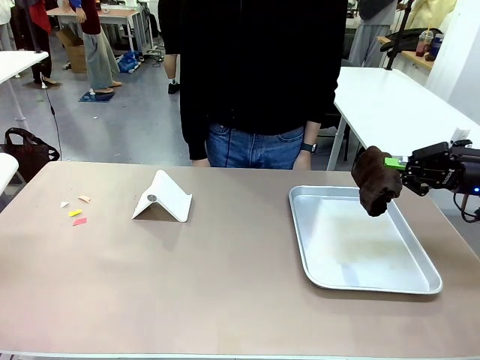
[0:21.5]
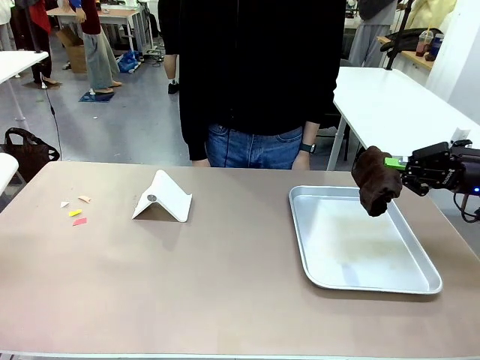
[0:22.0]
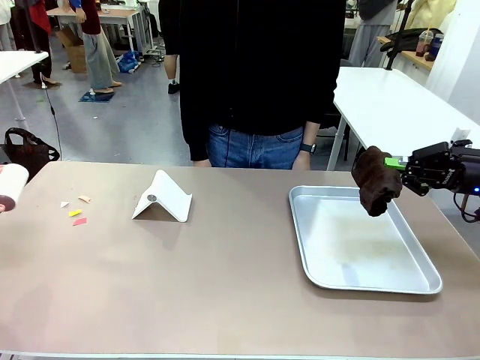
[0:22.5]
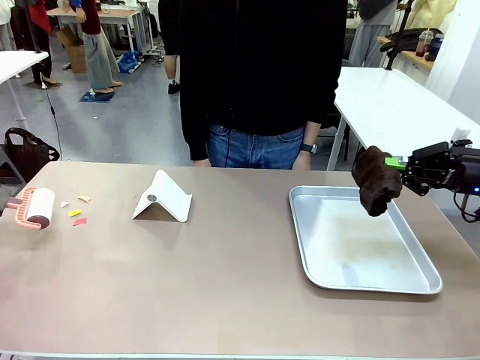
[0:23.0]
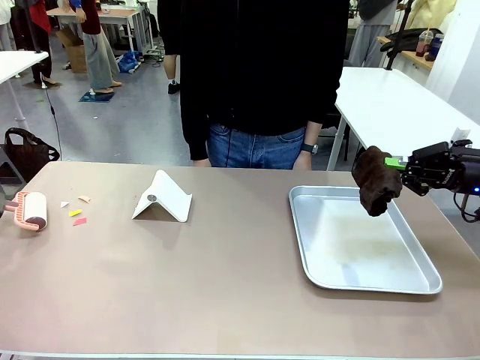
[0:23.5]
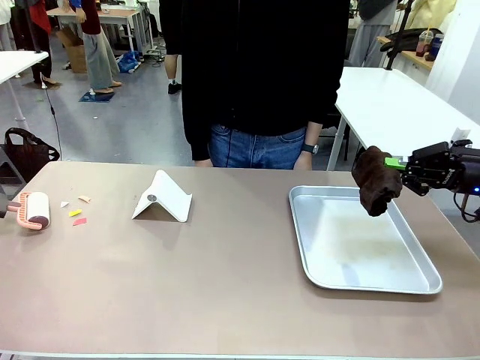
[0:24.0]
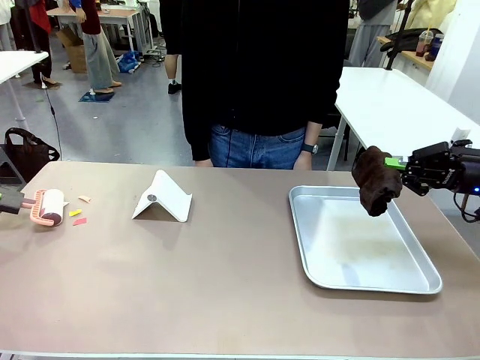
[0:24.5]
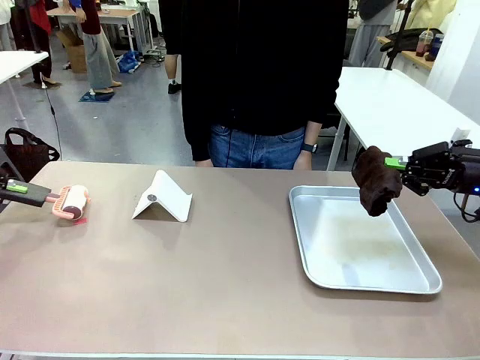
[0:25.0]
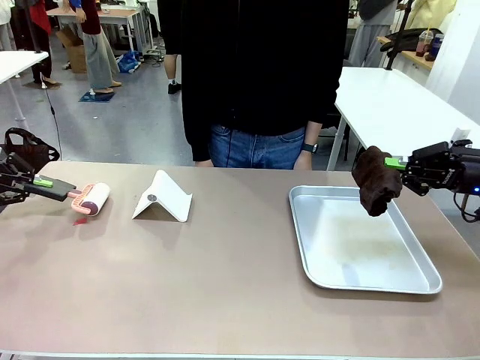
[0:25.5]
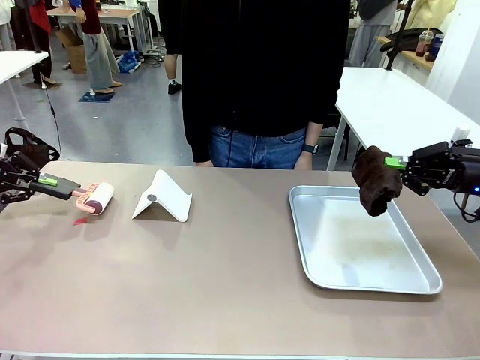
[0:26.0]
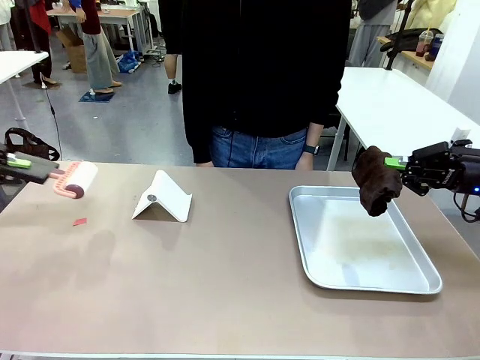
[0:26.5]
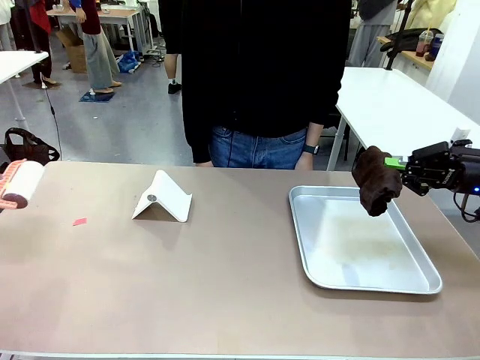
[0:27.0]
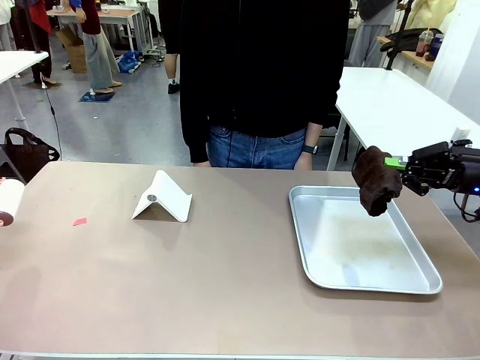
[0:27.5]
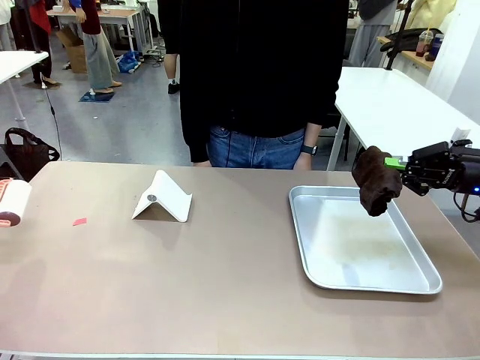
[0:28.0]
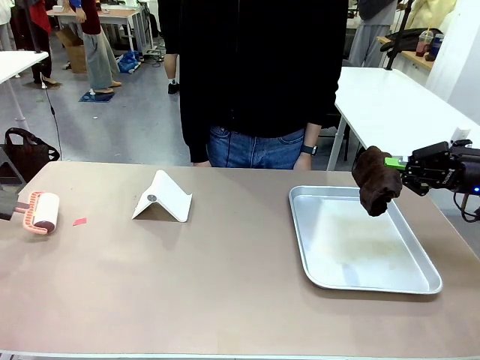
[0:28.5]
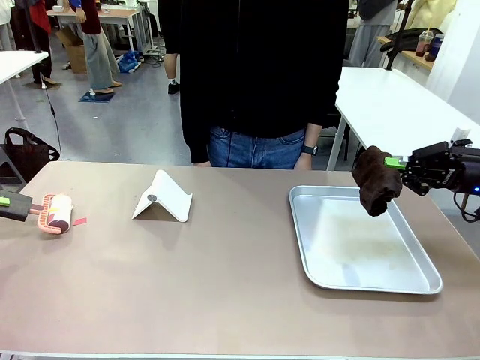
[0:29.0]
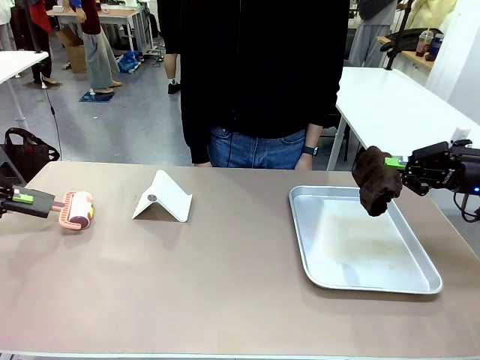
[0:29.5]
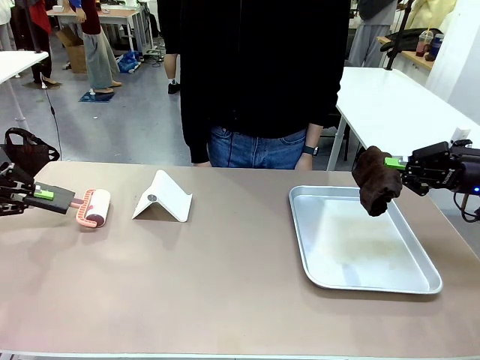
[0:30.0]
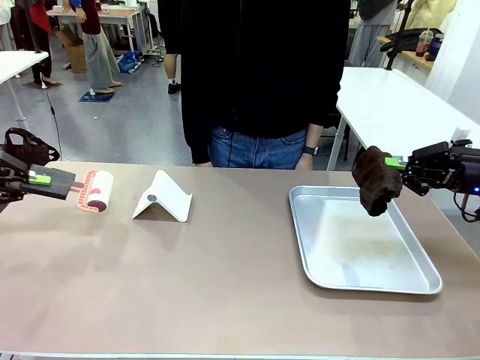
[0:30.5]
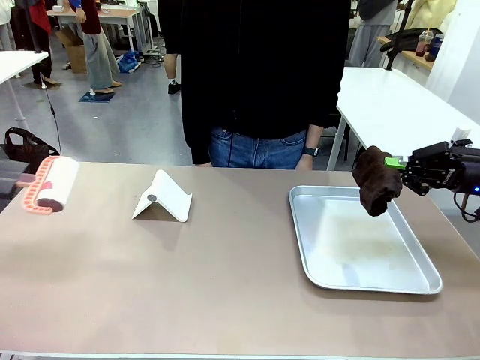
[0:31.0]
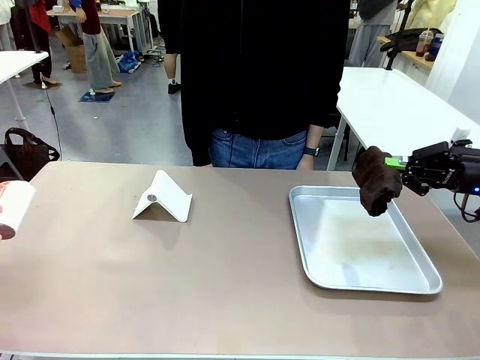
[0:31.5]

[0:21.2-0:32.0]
Task: Clean the surface of the table.
Robot: Clean the area not pointed to by the person.

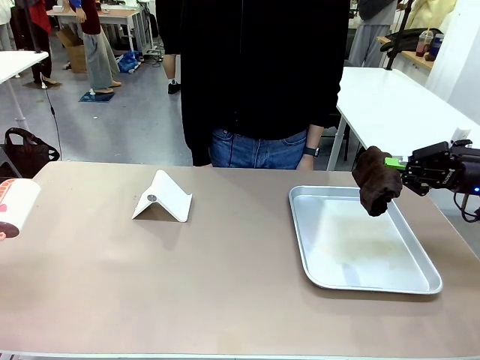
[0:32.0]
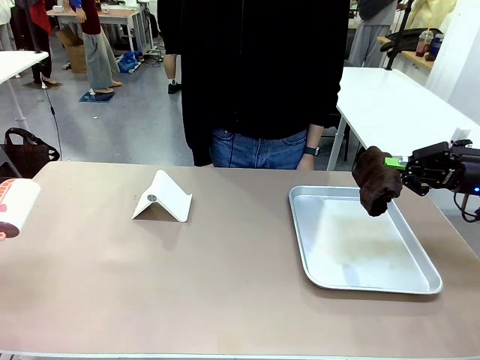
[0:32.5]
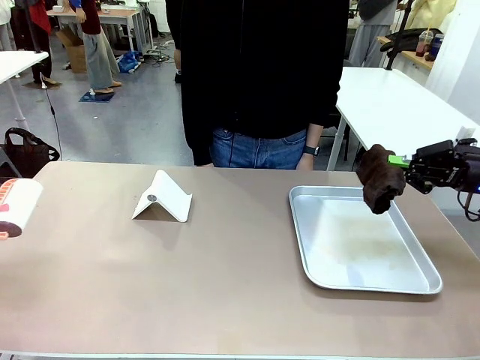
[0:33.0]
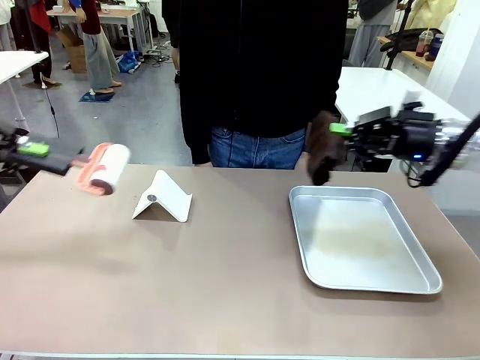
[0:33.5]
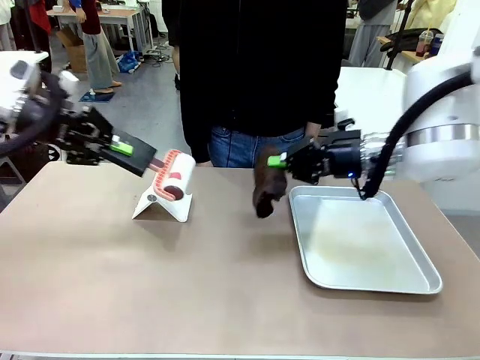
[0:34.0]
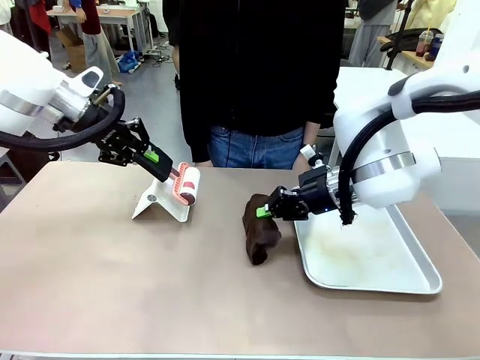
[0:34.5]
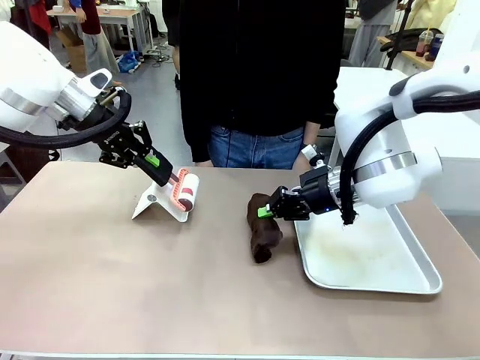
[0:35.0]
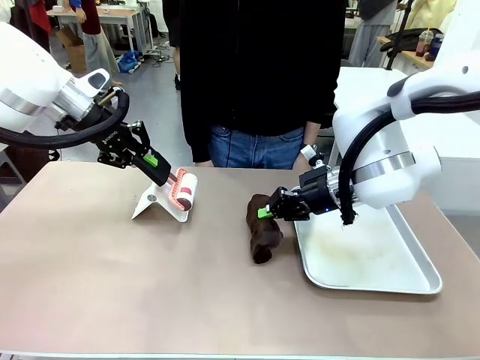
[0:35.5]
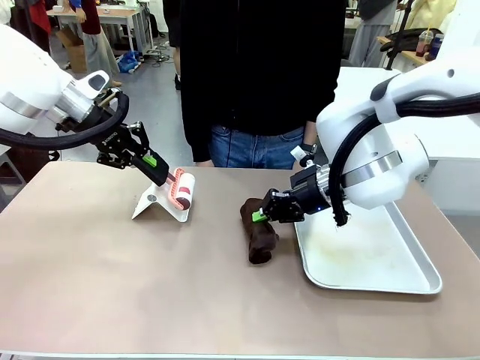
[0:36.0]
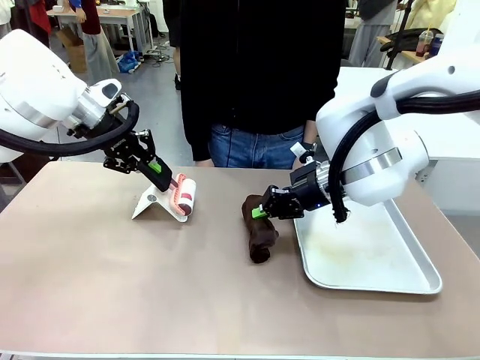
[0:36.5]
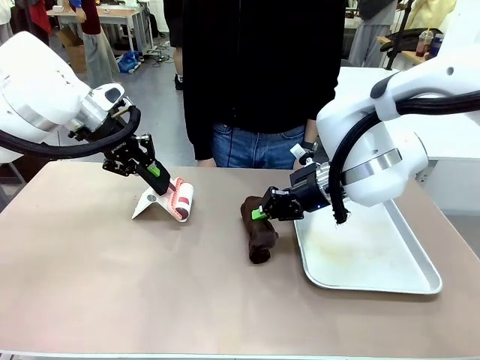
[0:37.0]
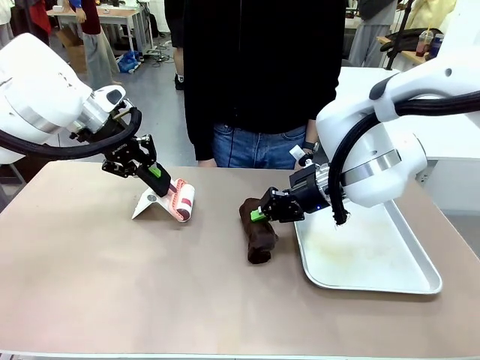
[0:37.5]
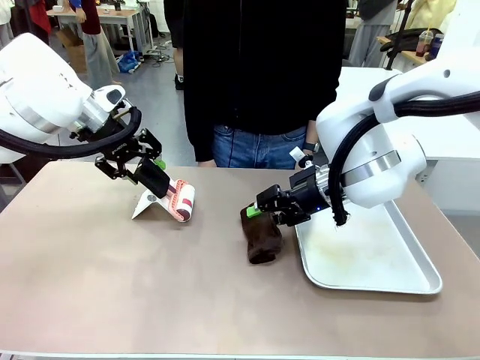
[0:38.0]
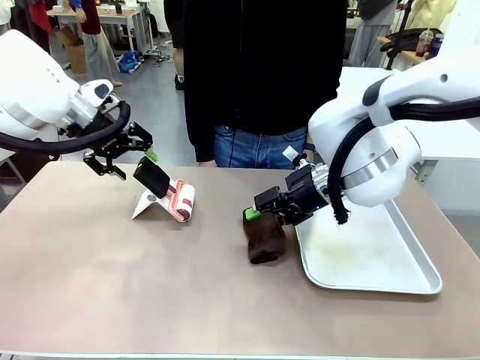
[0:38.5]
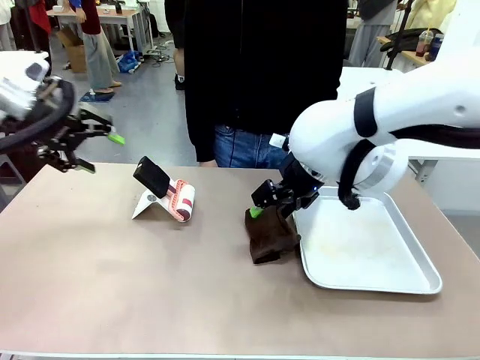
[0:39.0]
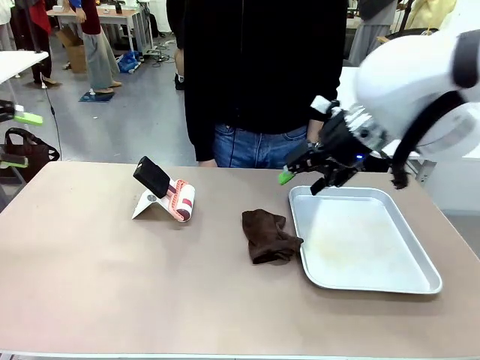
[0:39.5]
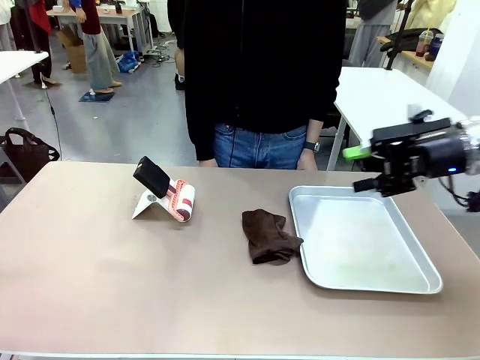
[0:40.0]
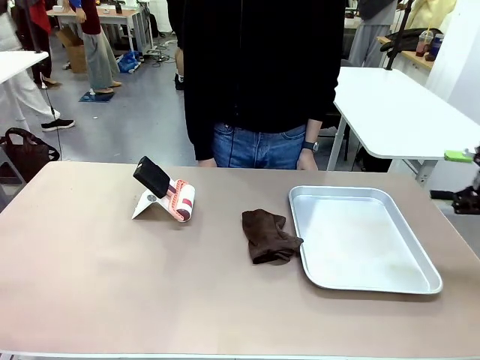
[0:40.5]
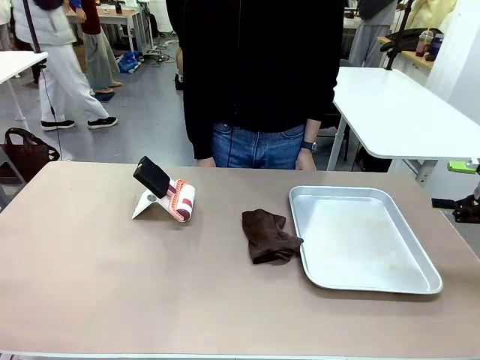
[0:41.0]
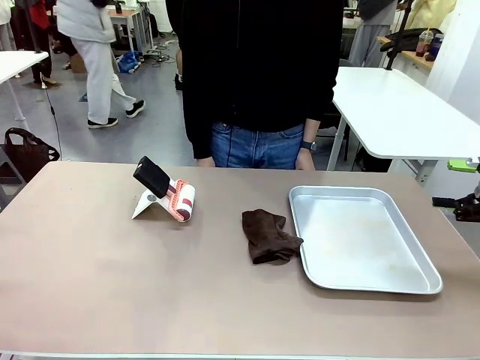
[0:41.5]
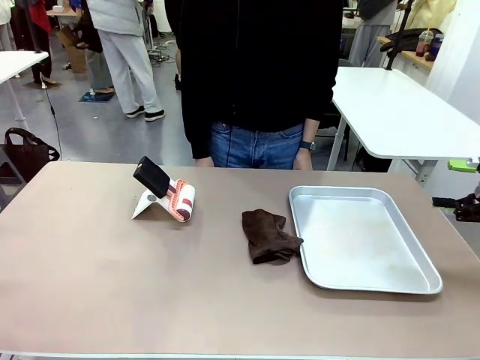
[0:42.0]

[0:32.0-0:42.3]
Robot: Return the Lint Roller and towel to their original positions.

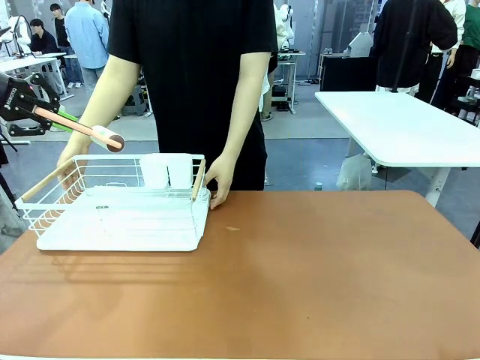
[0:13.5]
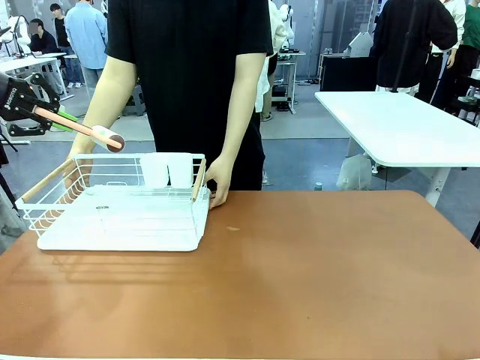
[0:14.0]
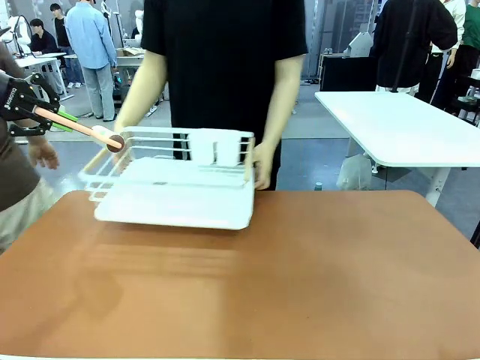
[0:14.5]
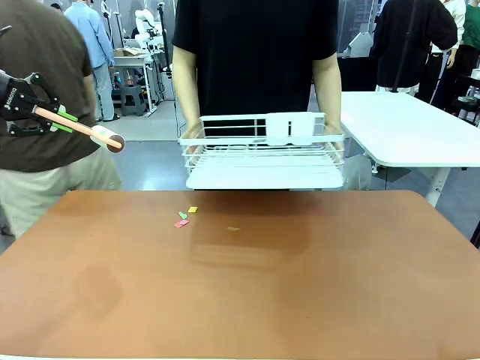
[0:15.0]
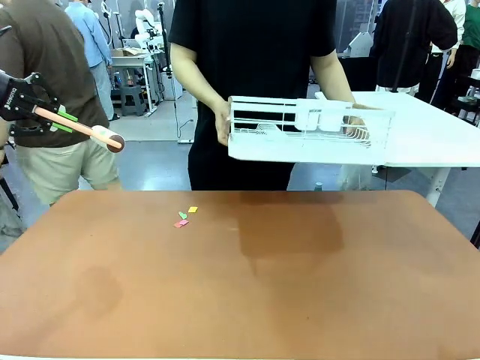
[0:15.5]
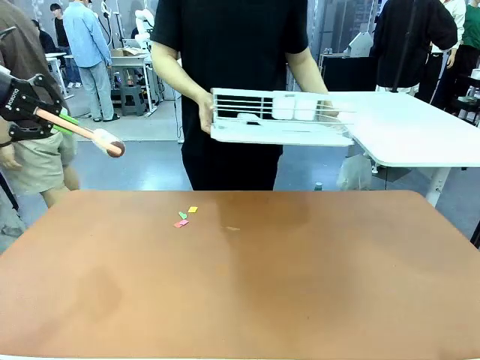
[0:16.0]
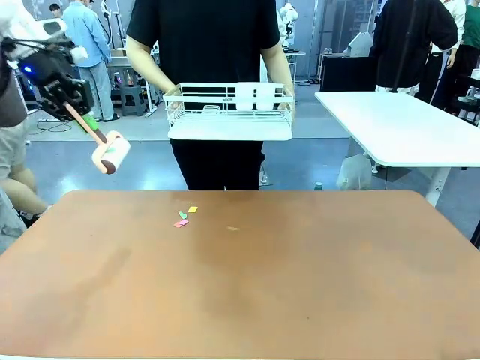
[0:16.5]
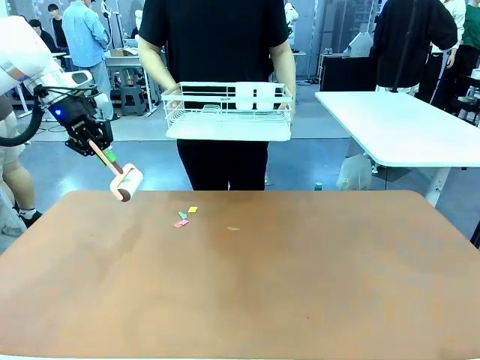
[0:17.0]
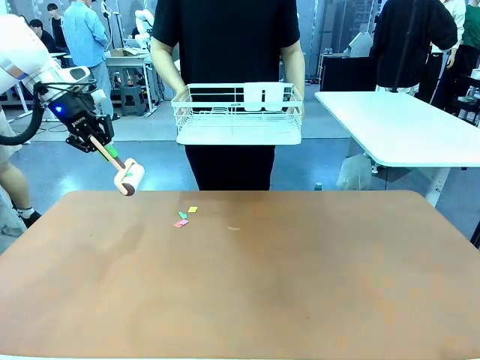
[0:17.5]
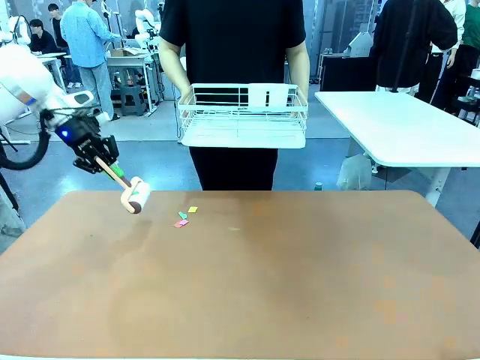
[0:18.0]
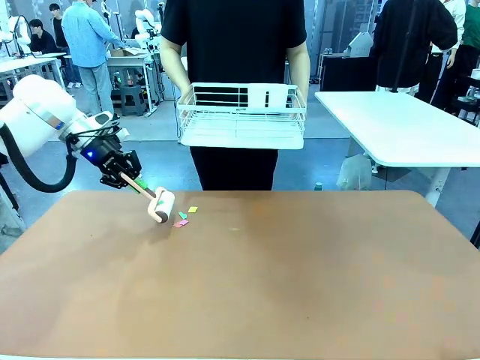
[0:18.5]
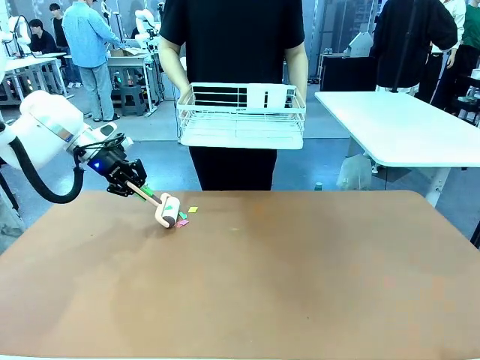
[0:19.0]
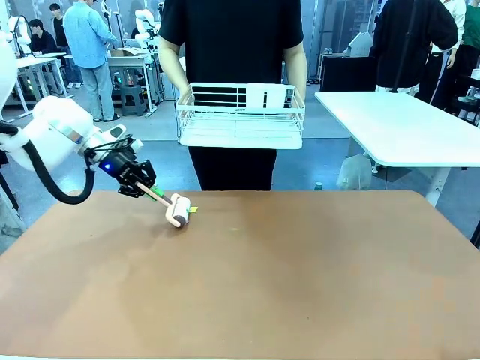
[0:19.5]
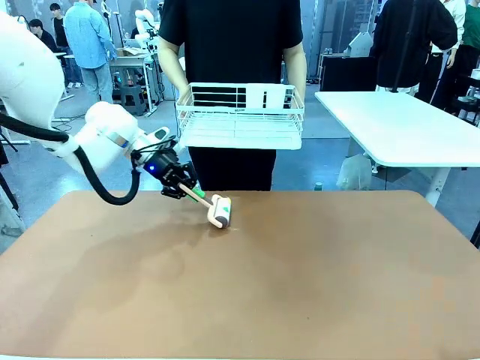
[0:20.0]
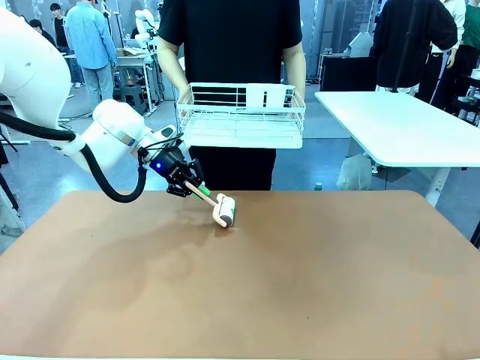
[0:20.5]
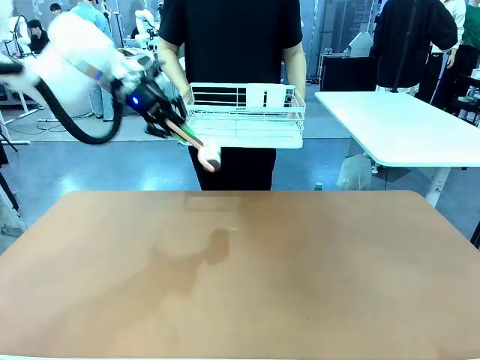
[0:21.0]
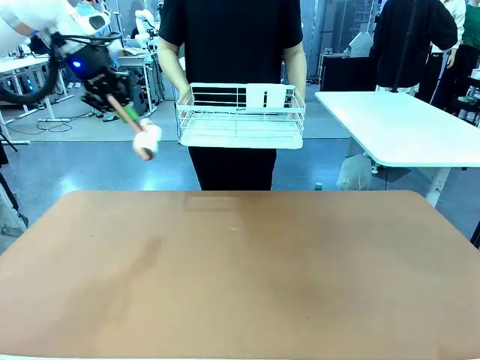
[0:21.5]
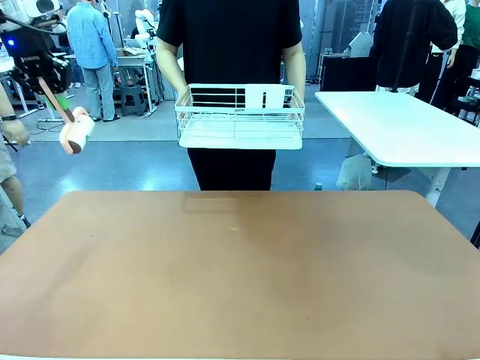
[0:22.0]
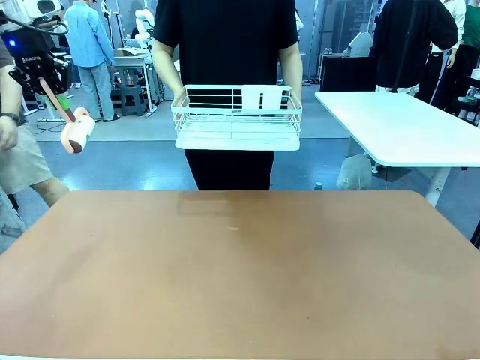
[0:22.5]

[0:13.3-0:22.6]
Task: Clean the table.
Robot: Clean the table with the Lint Roller when the human lifts the Dish drying rack.
